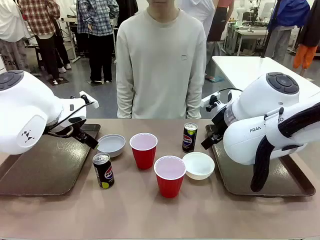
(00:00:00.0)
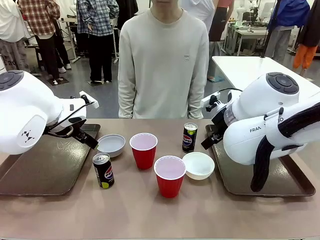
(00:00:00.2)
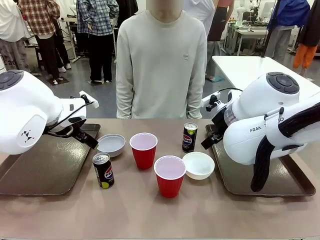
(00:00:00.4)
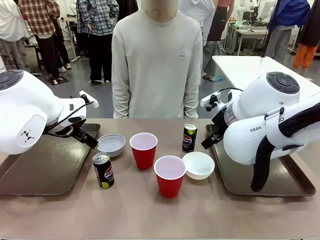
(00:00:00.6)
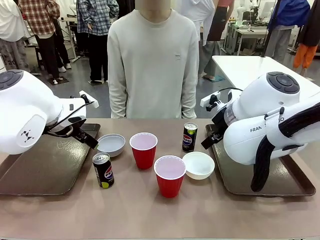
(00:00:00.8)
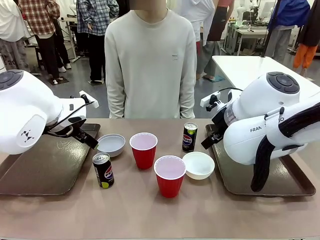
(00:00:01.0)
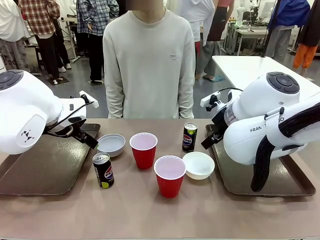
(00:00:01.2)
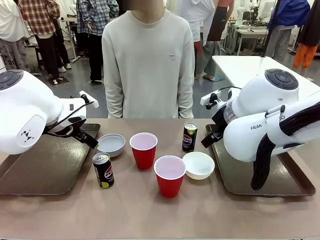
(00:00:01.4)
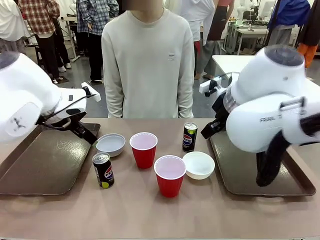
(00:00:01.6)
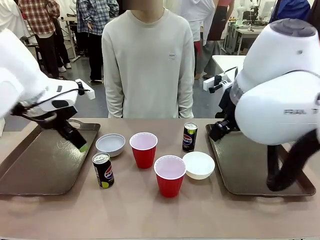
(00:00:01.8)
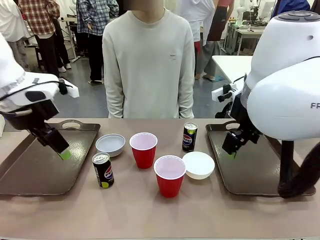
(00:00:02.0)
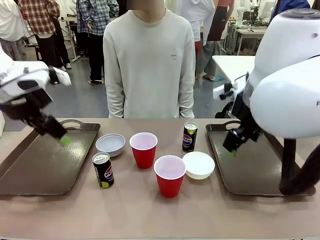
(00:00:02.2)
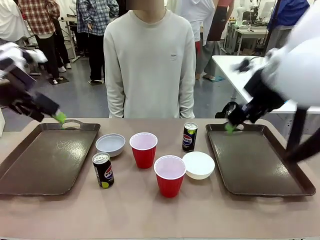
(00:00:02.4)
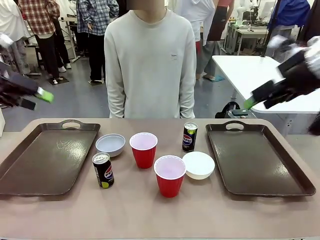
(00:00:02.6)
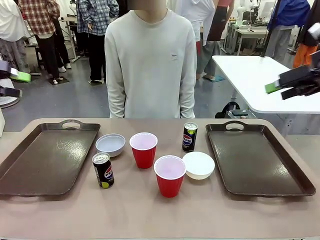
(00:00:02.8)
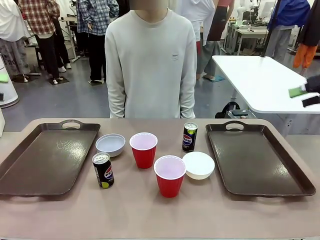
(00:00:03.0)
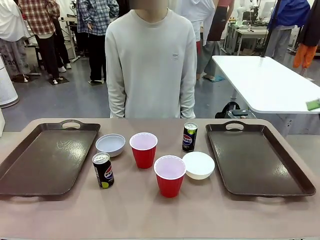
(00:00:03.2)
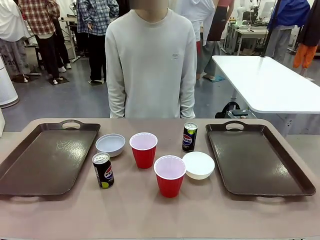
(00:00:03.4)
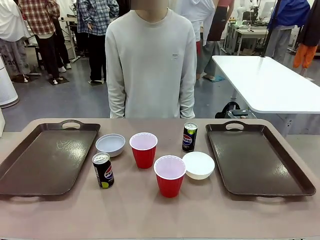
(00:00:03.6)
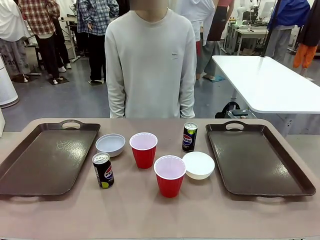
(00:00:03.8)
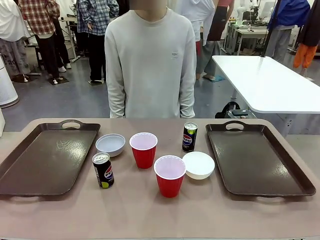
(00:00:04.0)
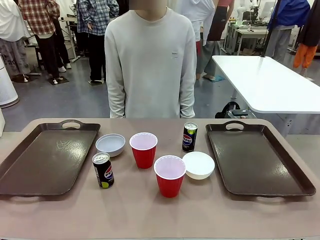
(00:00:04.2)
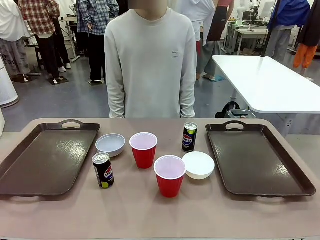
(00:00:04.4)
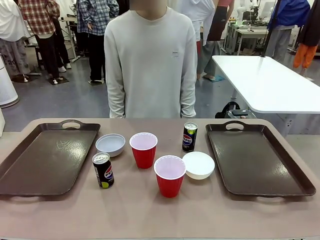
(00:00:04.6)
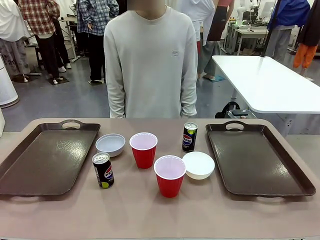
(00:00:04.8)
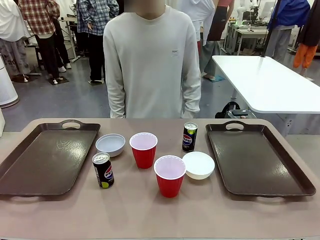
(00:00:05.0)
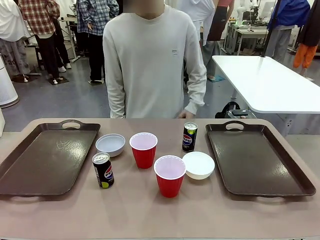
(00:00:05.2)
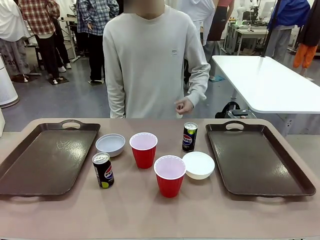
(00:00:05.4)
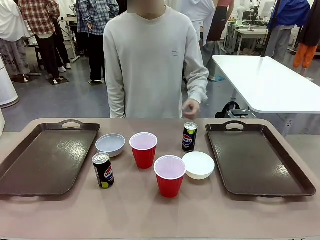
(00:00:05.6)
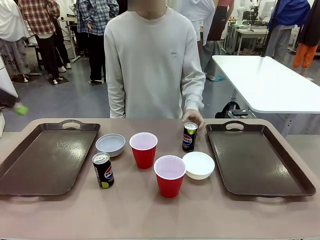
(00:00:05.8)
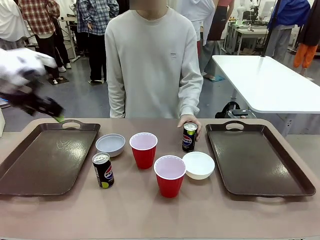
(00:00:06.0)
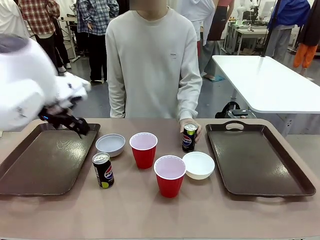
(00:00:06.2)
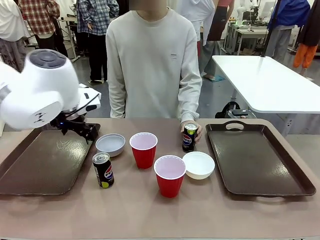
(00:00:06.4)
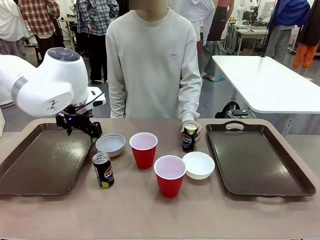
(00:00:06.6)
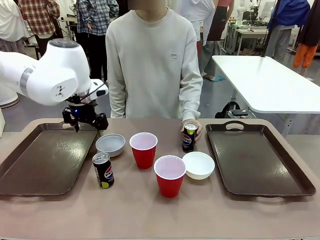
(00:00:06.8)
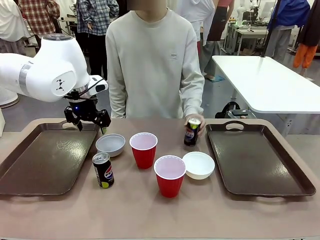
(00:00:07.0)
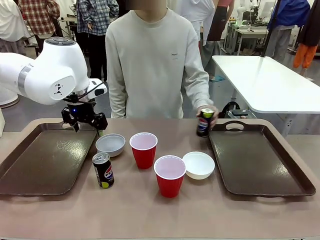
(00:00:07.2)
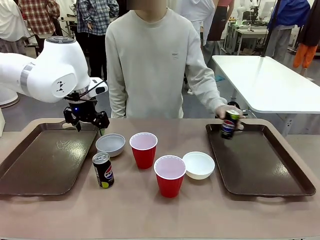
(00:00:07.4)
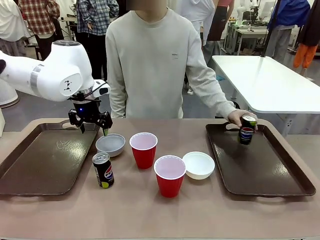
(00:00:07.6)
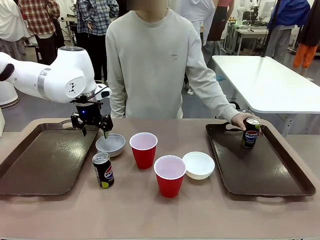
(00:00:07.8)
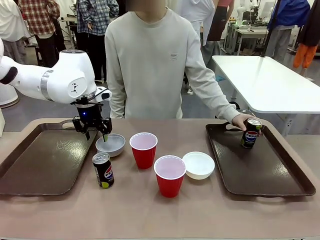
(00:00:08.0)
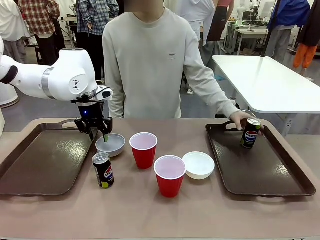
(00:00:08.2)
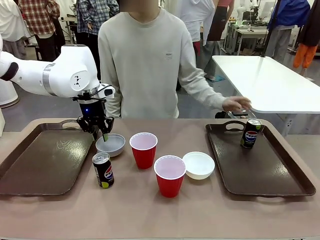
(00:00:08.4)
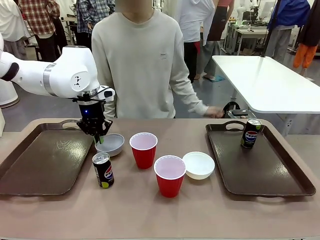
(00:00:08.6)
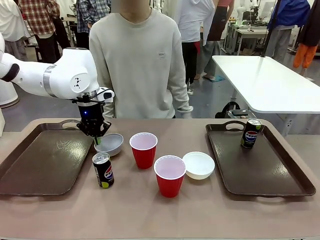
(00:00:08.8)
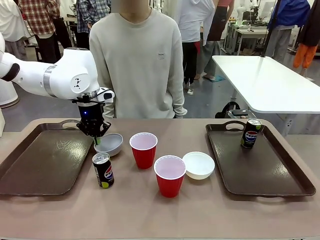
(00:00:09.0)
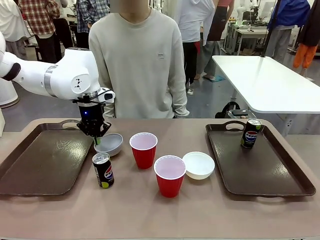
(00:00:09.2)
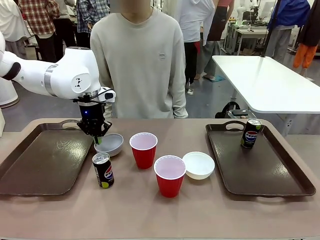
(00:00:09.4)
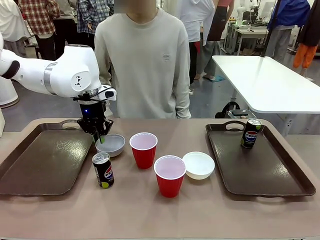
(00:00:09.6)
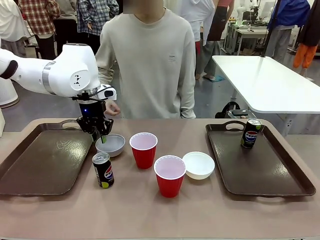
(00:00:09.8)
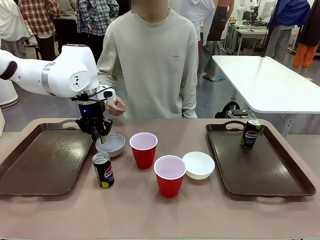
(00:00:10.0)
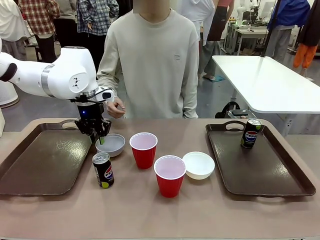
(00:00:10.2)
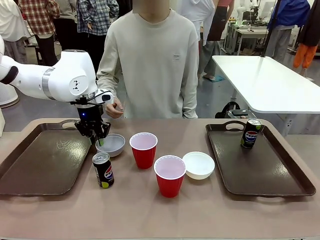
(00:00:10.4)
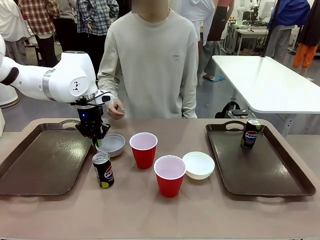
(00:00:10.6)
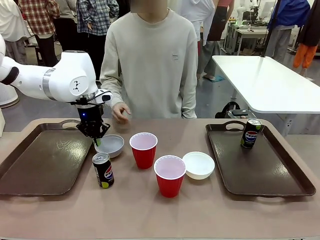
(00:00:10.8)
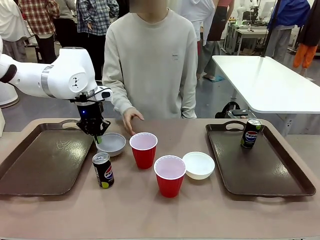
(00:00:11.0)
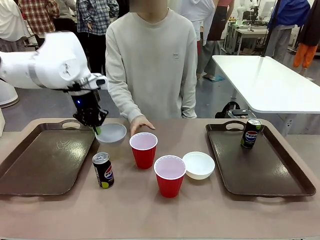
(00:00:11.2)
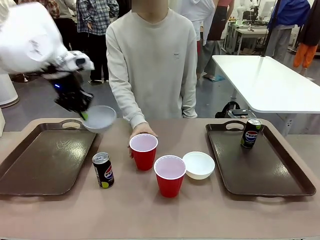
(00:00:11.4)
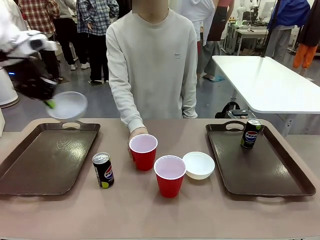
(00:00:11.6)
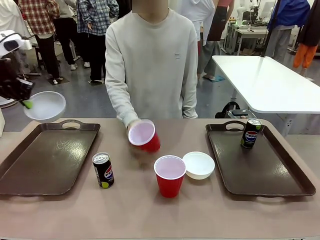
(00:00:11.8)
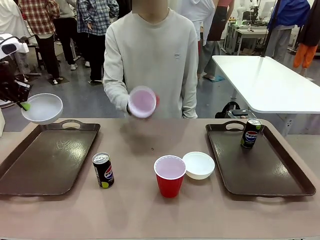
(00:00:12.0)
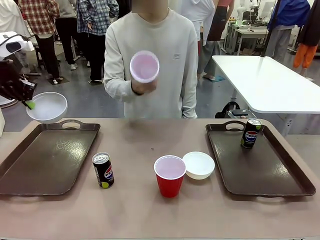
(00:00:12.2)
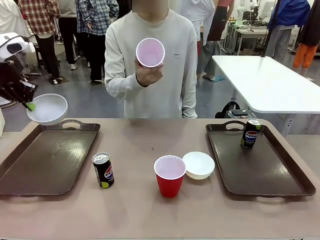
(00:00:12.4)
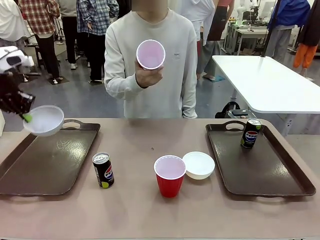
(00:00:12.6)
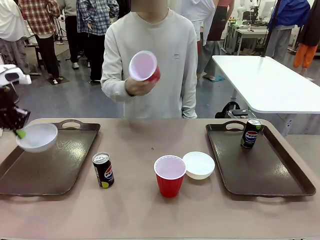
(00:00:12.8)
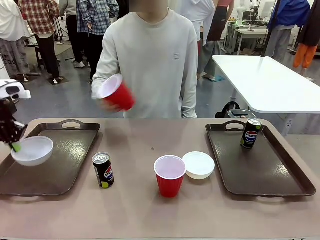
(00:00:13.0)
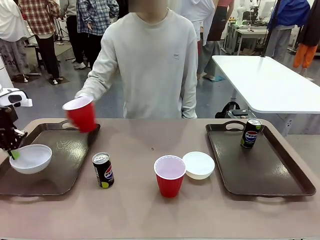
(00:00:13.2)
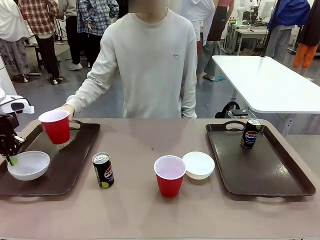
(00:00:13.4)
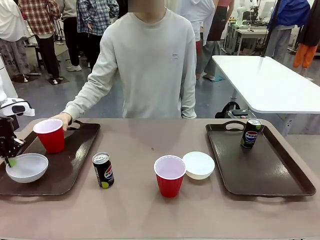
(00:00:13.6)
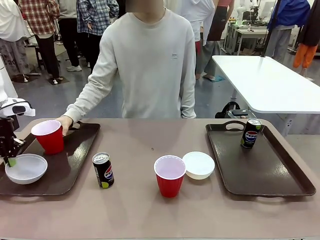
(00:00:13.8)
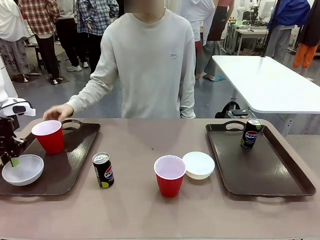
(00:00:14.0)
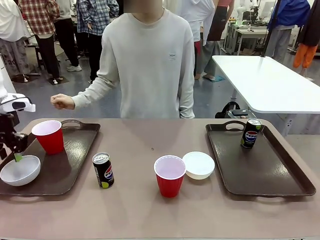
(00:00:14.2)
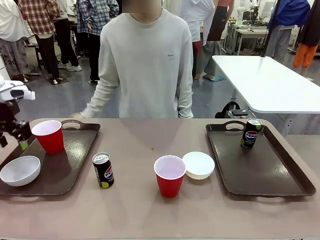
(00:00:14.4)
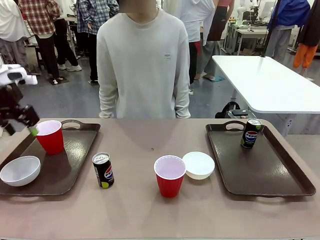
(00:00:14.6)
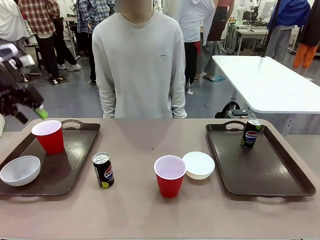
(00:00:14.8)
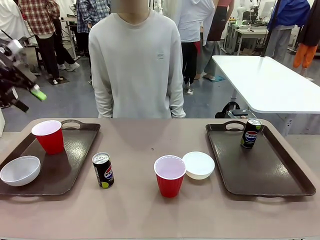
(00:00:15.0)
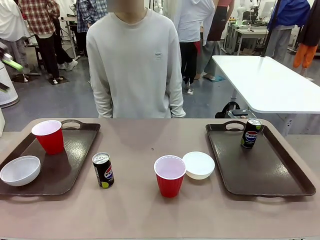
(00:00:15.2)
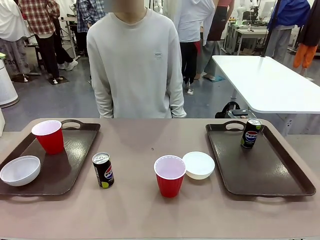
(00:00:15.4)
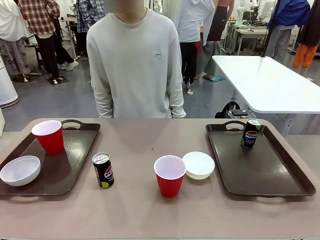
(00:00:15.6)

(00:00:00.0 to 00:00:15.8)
Task: Prepare tableware on both trays.
Robot: Pick up a Picnic Bowl from the table and place it on a Handle tray.
Person: Pick up a can or cup and place it on the tray.
